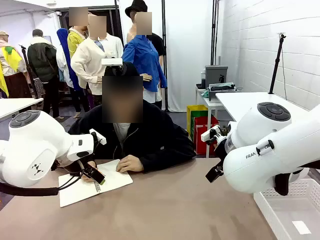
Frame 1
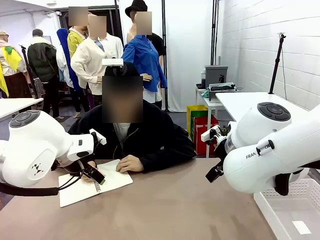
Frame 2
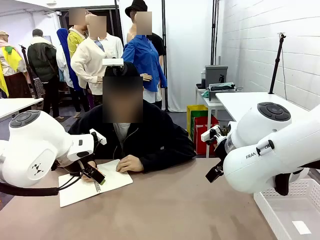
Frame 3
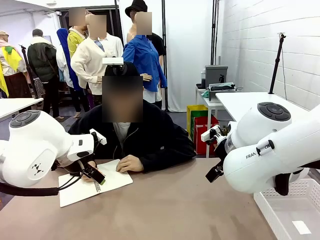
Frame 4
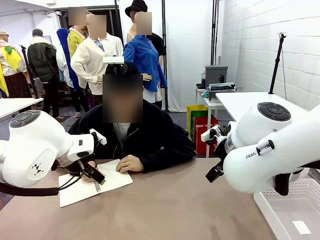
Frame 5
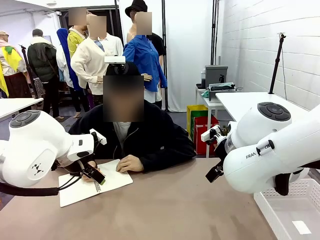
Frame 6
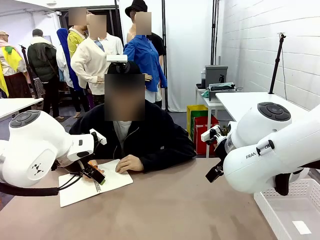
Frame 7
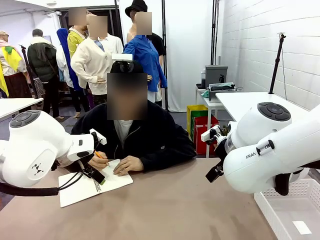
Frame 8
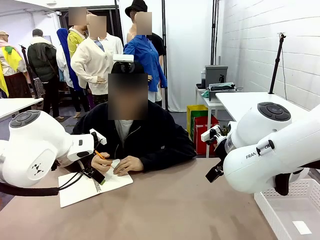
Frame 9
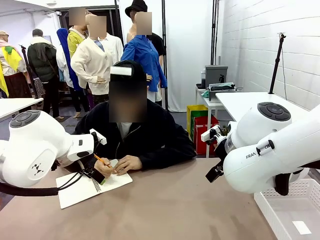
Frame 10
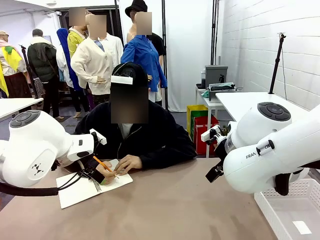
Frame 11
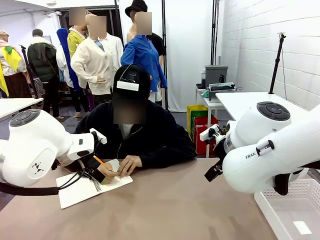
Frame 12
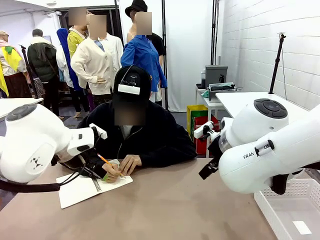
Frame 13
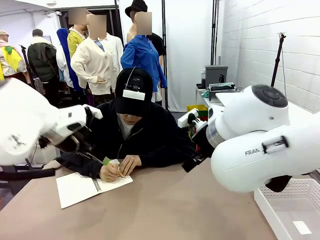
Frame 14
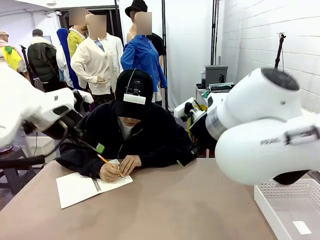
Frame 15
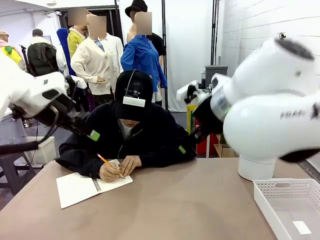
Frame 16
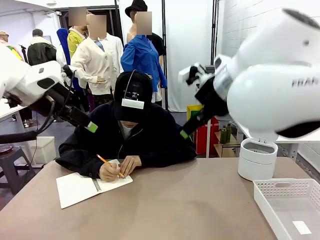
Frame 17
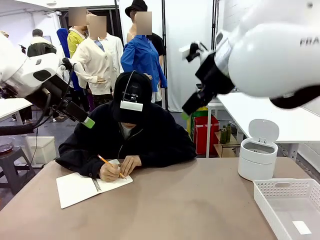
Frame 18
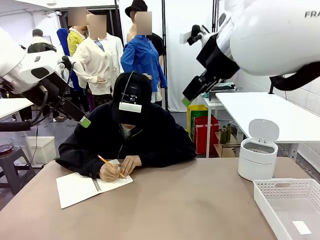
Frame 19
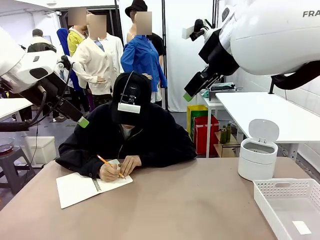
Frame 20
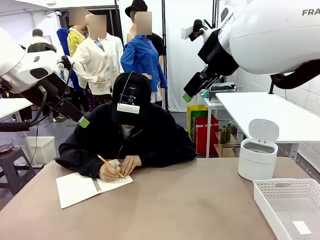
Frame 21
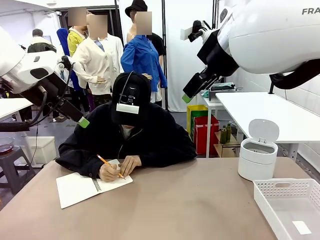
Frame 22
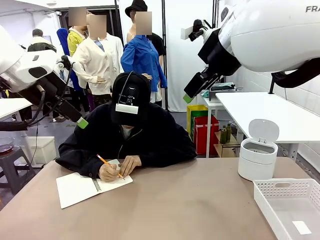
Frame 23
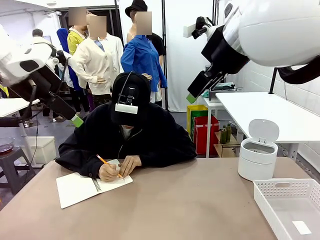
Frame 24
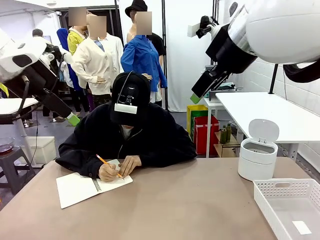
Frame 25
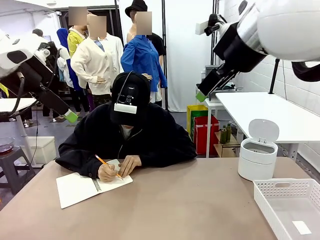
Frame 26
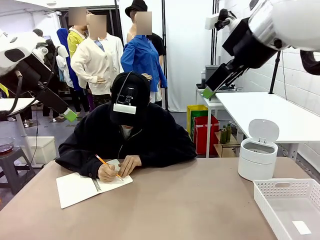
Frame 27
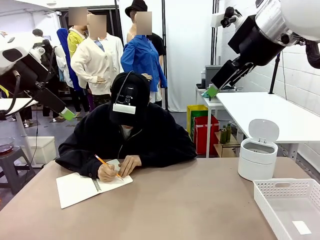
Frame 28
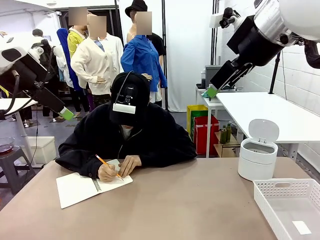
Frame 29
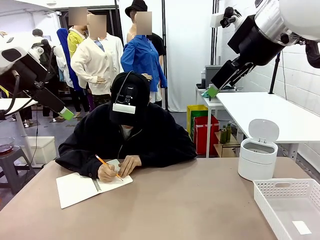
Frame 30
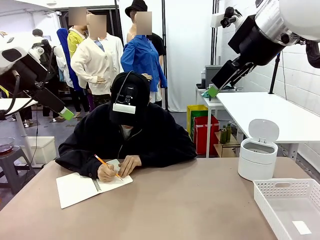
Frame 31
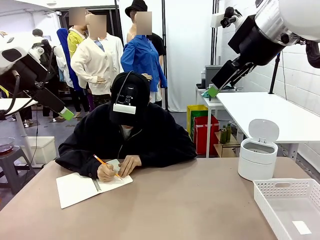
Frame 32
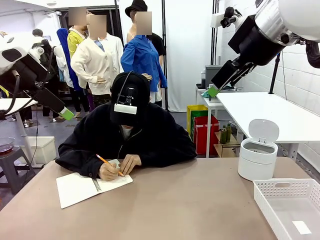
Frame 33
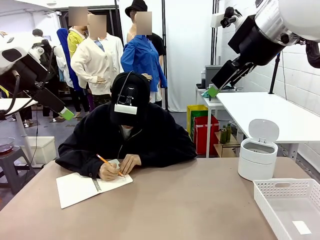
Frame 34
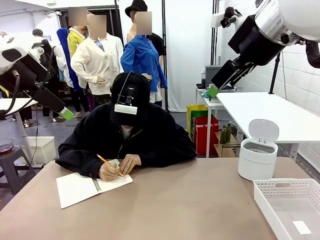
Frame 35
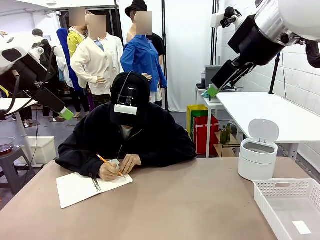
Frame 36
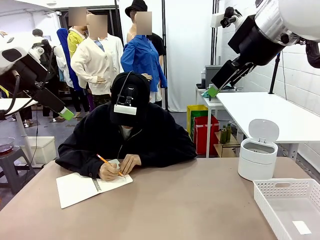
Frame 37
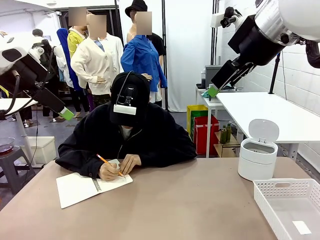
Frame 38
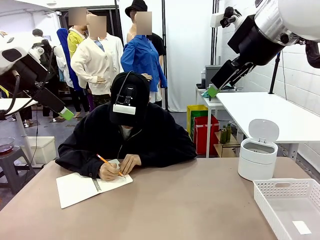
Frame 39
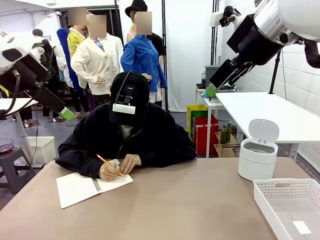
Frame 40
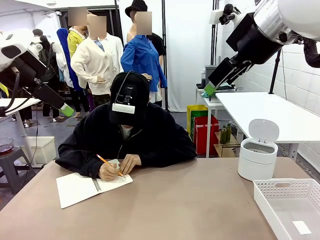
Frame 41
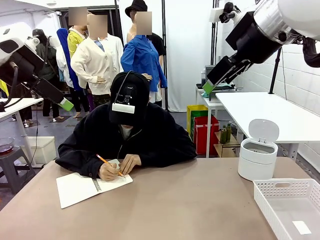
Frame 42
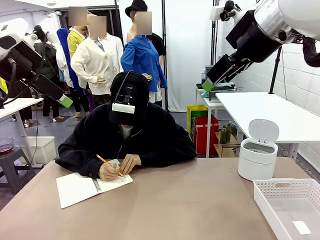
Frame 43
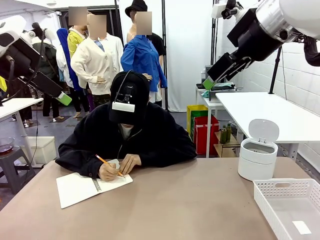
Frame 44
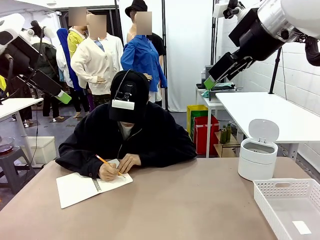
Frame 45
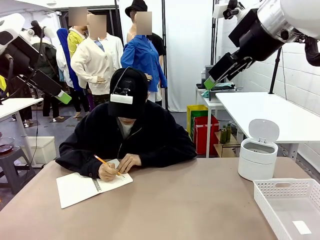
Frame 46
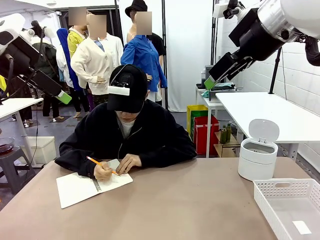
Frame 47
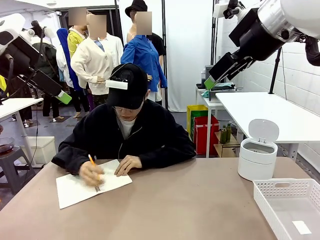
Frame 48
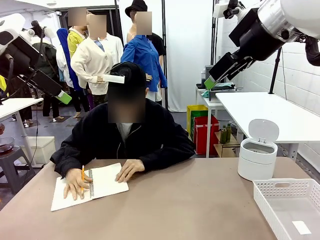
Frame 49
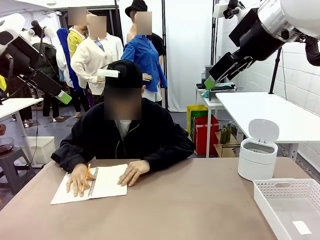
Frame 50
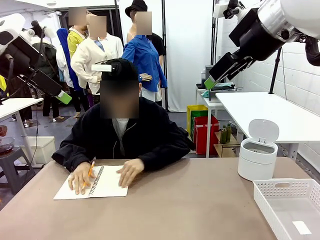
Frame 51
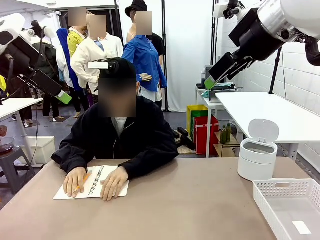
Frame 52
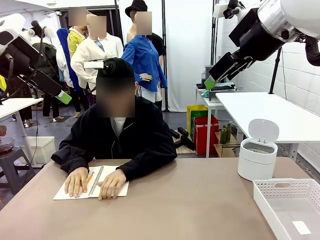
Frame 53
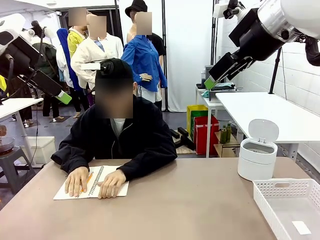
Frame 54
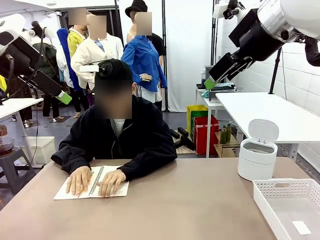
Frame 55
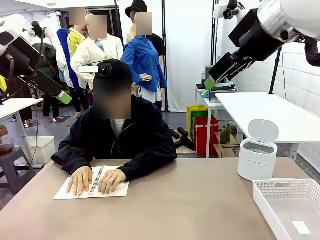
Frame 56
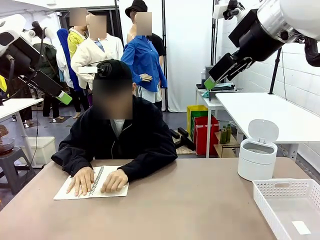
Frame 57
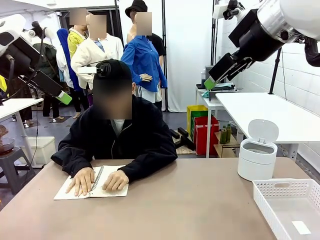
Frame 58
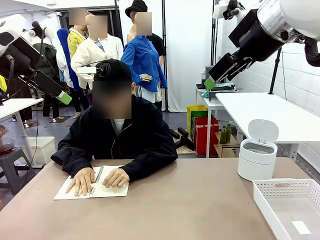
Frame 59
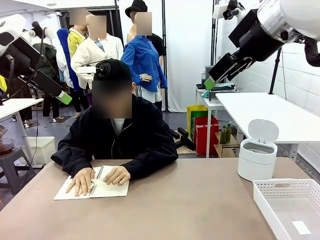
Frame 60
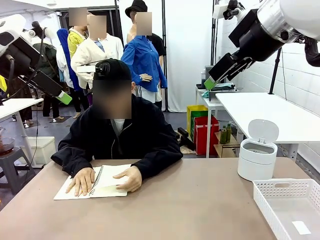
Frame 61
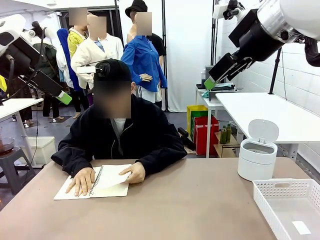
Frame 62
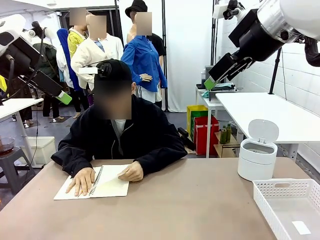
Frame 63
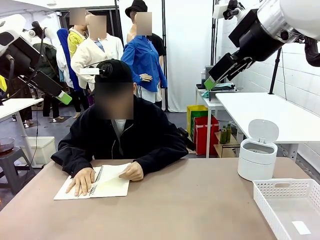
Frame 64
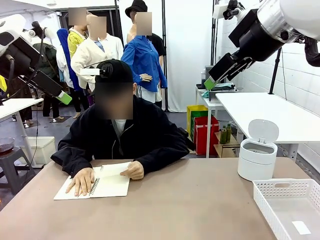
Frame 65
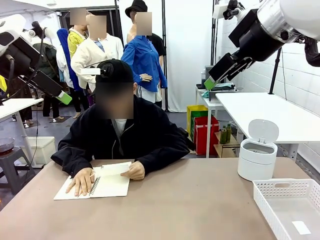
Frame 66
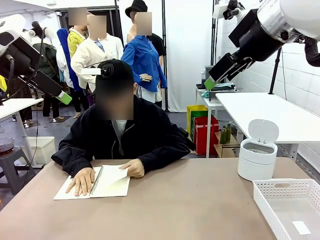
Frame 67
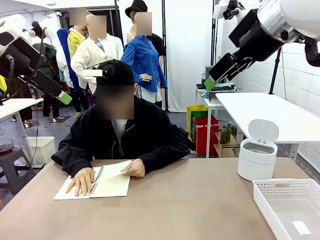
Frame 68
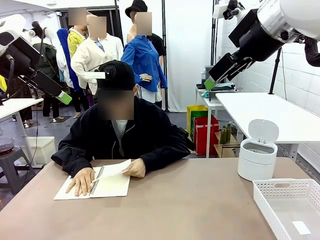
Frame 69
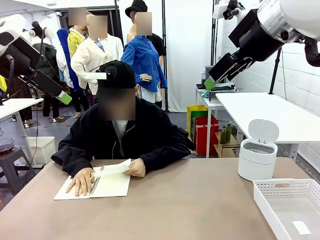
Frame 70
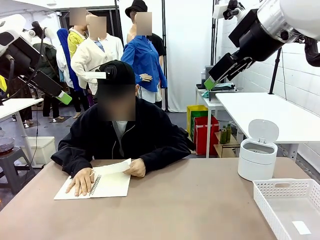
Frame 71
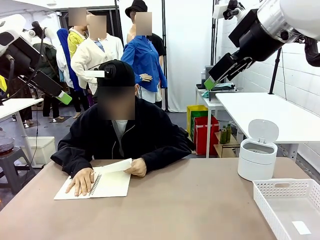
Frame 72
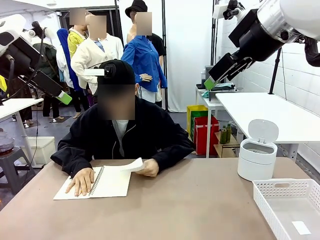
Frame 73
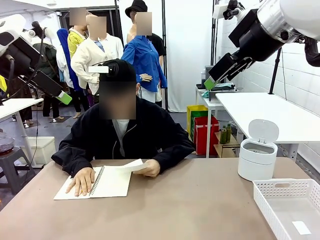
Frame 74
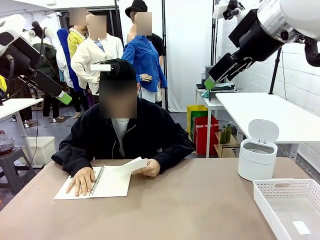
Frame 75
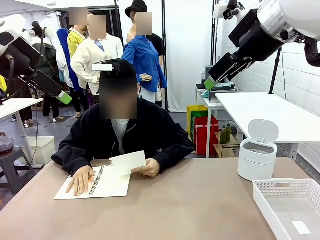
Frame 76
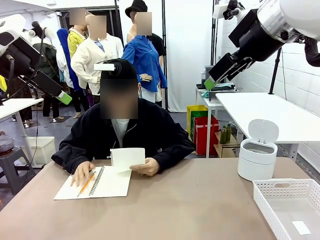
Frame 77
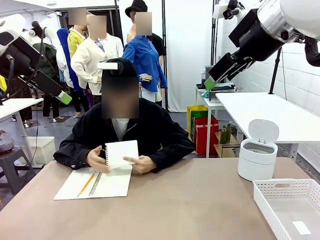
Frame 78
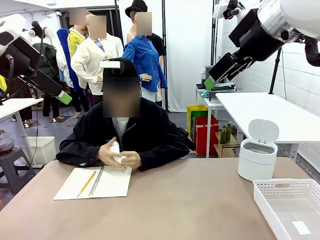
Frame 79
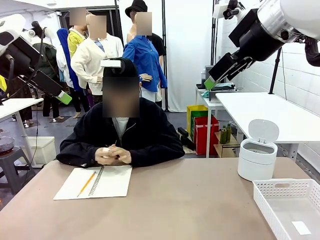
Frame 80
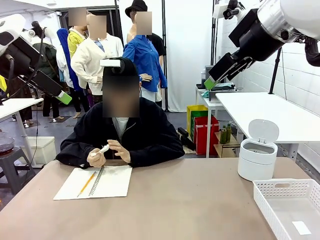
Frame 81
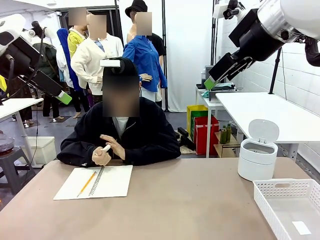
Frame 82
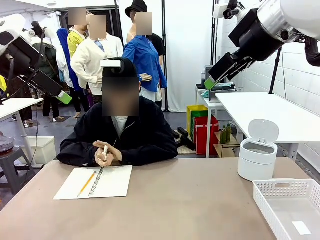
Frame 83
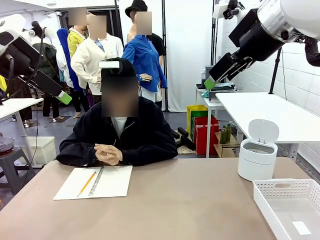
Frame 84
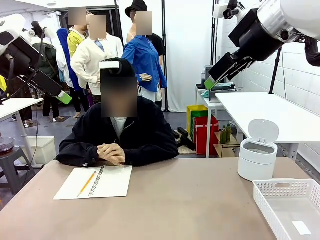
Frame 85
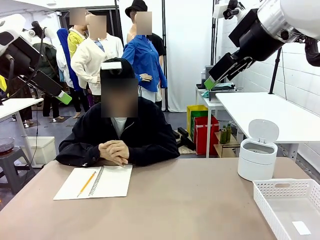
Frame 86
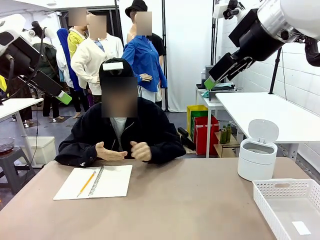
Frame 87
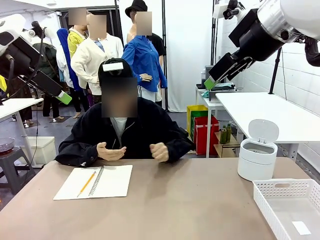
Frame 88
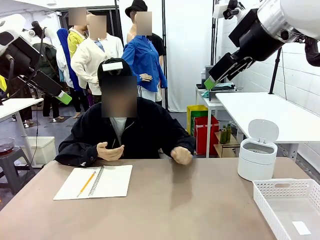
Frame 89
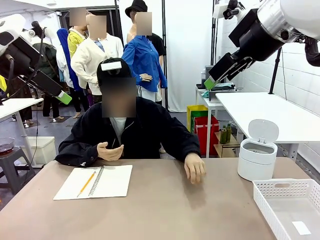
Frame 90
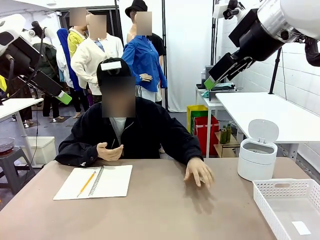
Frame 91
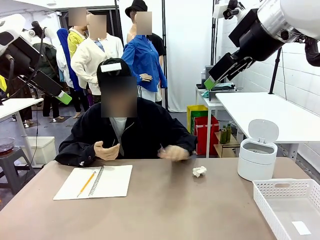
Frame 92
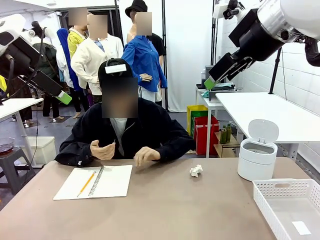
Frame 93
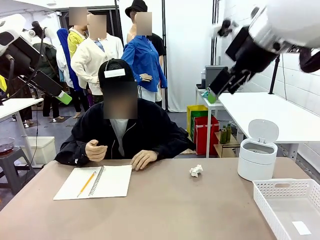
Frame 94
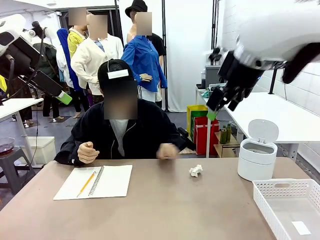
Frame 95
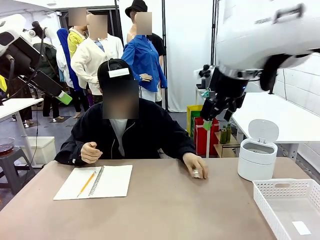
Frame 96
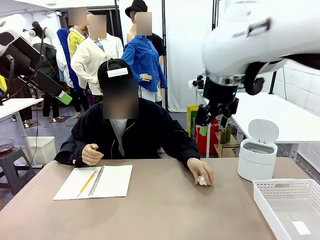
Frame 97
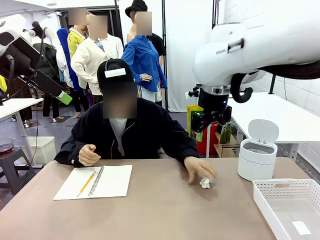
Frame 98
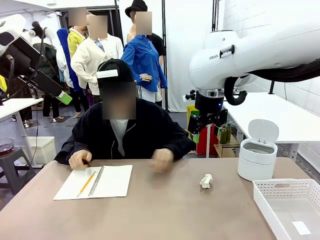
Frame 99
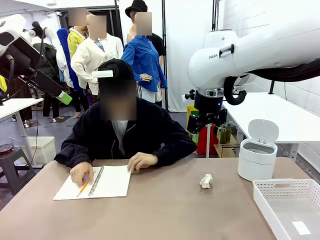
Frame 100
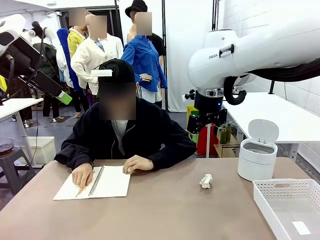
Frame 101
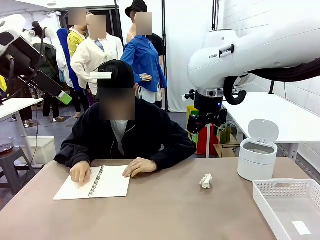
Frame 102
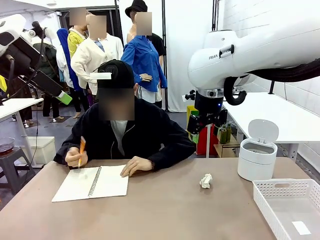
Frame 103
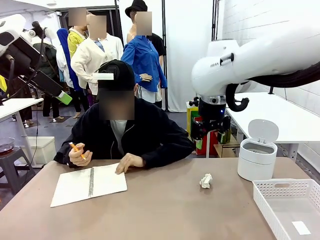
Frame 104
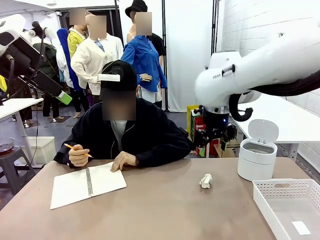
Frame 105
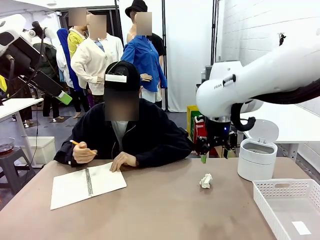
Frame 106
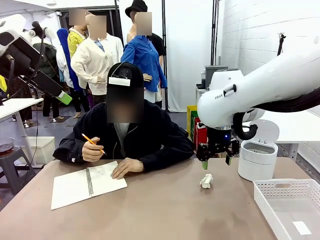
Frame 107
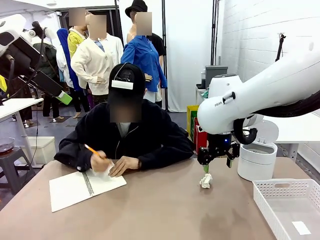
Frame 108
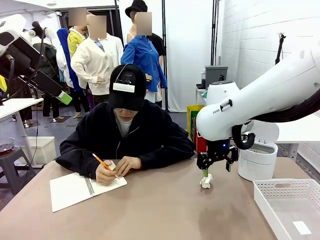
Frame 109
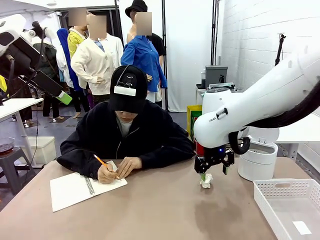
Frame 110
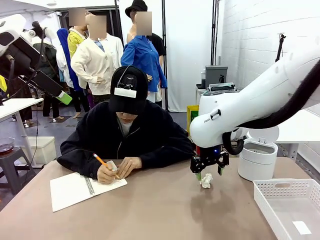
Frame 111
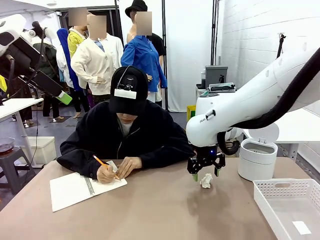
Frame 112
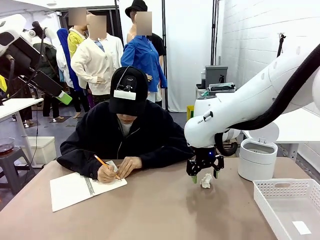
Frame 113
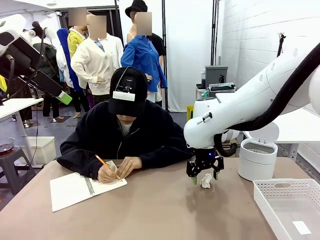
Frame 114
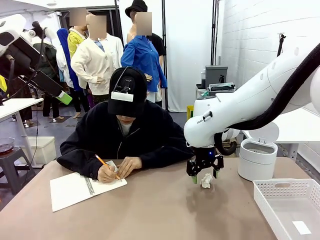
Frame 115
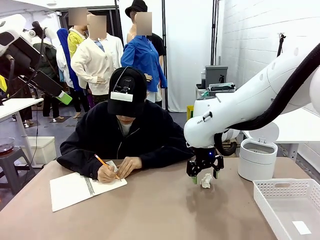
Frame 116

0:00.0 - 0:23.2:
Task: Sort the paper based on its condition.
Robot: If a person hands you a paper, place it in the Organizing basket , and if it's crumpled, put it in the Trash can.
Person: Tear out a page from the spiral notebook. Hand the torn page to the robot or crumple it and throw it to the center of the table.
